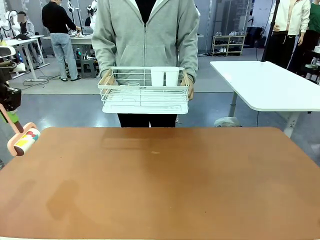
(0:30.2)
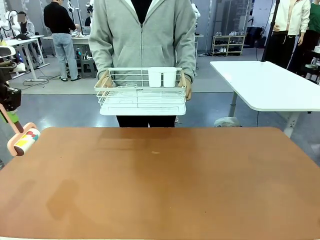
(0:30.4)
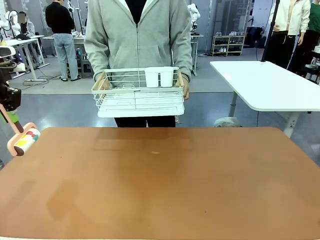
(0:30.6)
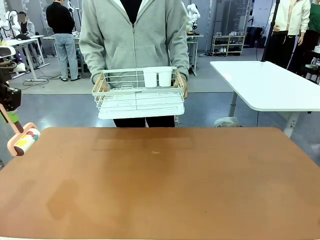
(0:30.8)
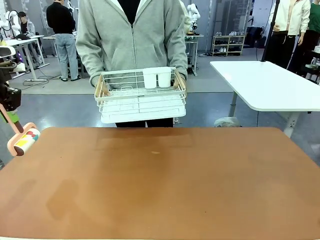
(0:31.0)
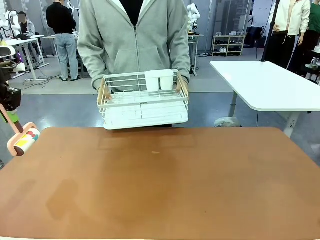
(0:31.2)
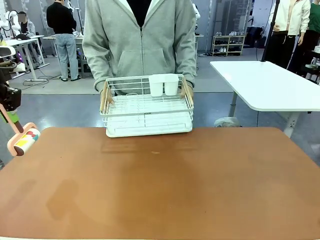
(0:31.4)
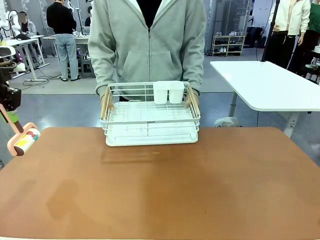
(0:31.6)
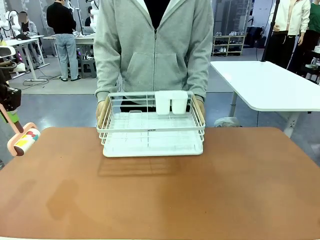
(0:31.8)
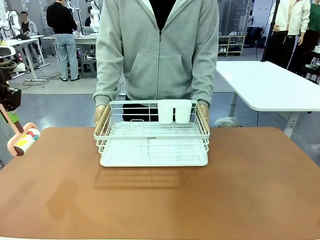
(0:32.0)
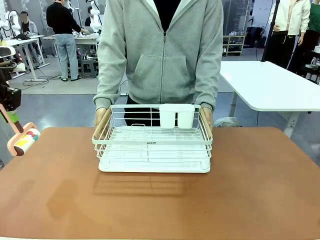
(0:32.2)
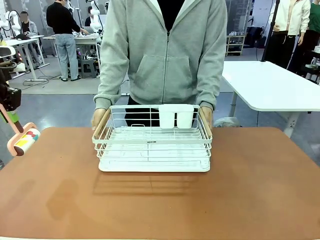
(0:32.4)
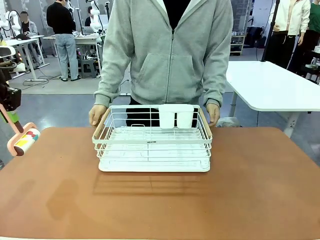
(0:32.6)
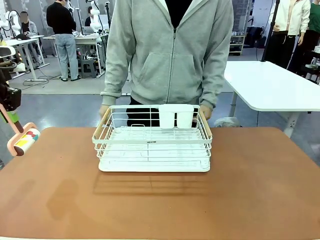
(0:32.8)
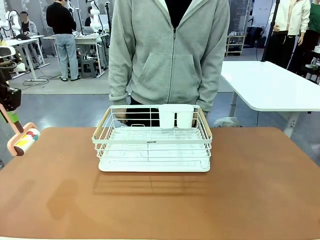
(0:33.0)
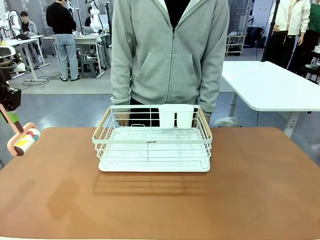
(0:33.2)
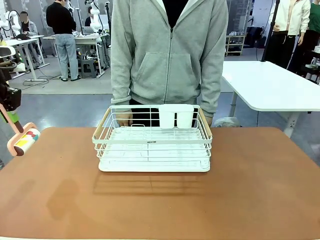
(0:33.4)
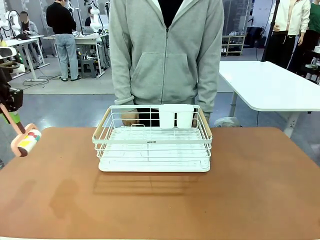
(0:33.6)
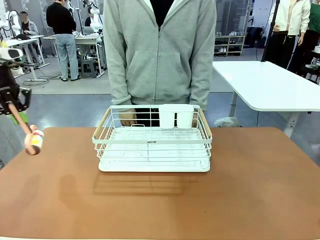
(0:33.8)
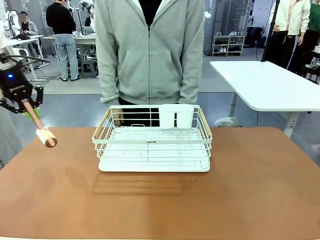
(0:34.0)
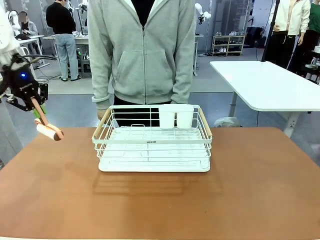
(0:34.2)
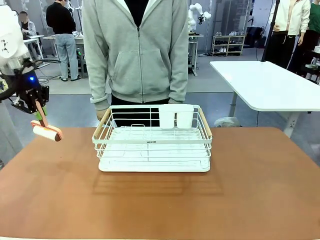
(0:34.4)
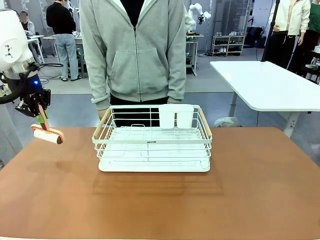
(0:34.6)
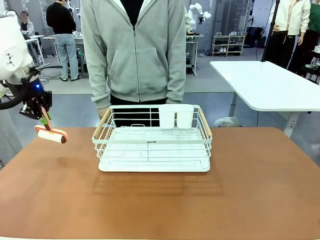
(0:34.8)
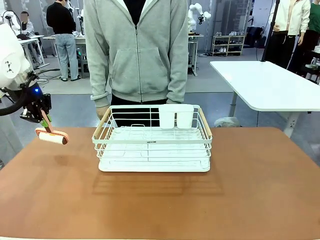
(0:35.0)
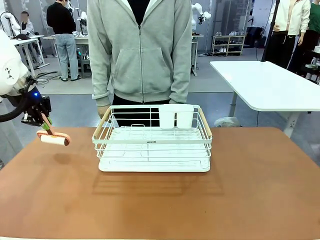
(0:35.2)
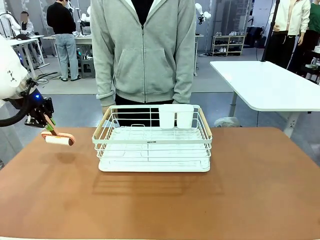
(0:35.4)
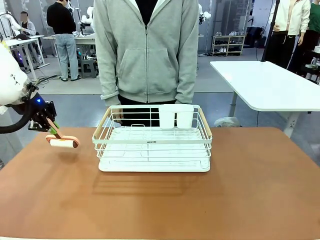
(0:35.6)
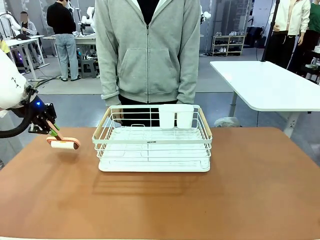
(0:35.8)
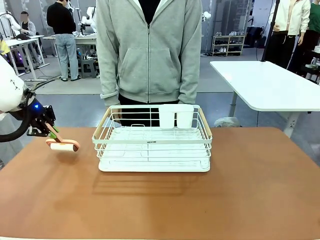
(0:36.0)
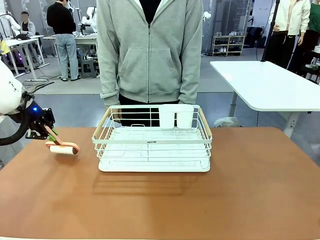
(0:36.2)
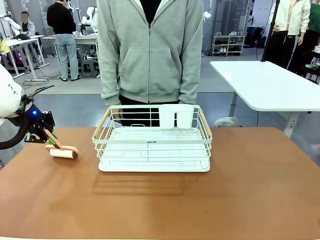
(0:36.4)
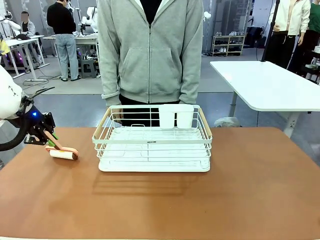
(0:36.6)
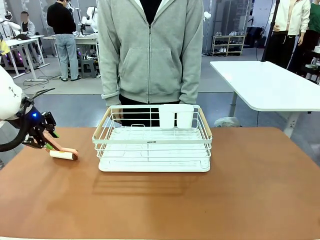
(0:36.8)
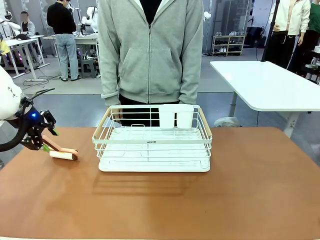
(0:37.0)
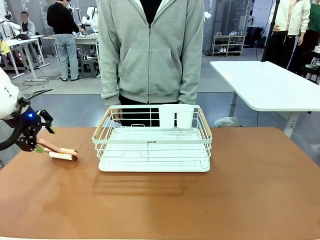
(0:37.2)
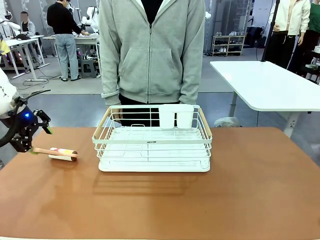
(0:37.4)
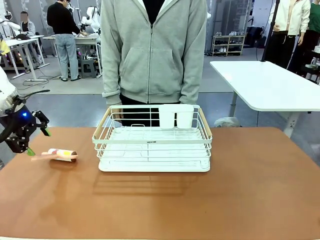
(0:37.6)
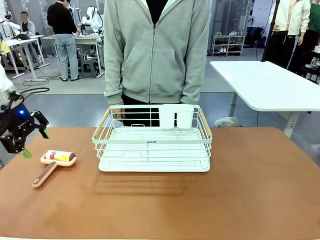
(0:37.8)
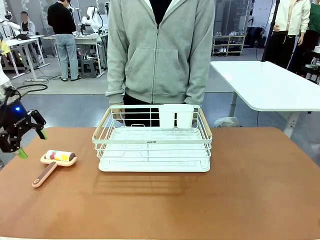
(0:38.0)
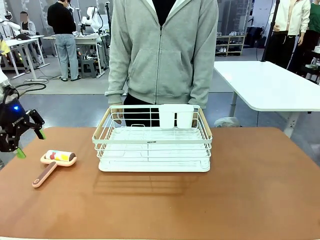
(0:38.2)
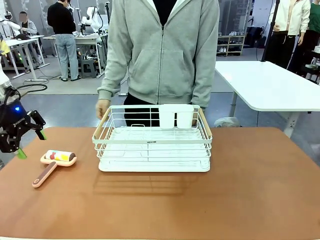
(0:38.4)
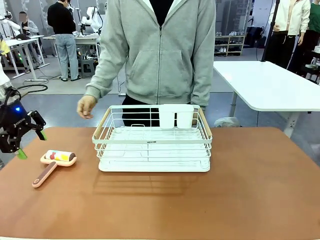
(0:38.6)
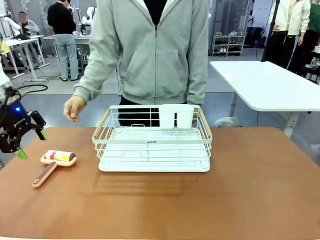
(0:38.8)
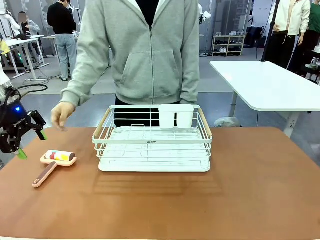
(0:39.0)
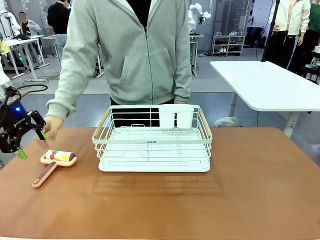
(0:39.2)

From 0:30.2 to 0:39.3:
Task: Clean the table.
Robot: Place the Lint Roller down when the Dish drying rack is positioned in the middle of the table.

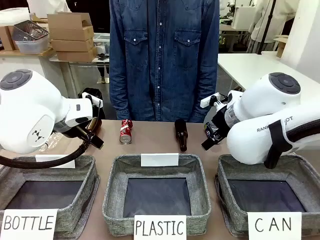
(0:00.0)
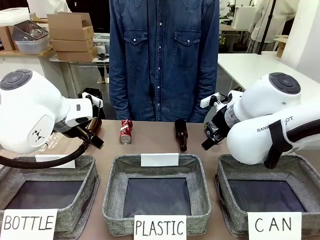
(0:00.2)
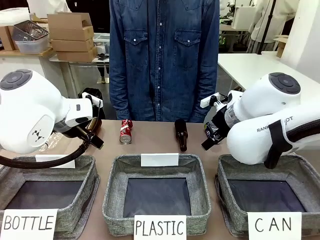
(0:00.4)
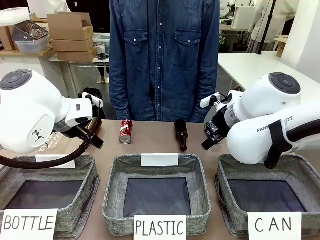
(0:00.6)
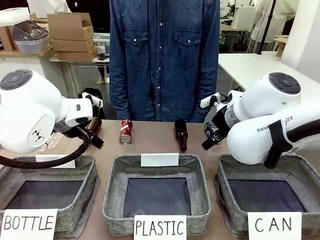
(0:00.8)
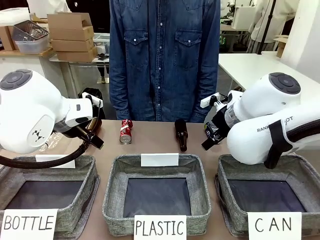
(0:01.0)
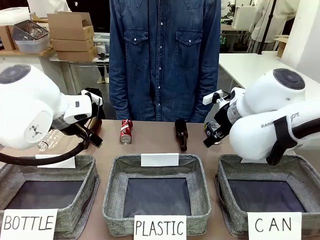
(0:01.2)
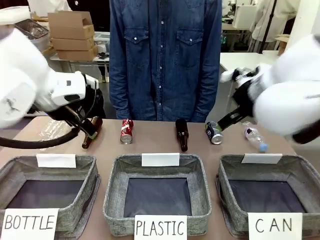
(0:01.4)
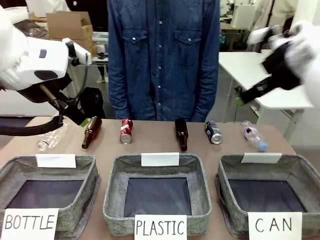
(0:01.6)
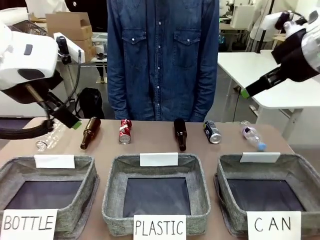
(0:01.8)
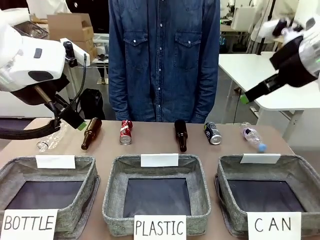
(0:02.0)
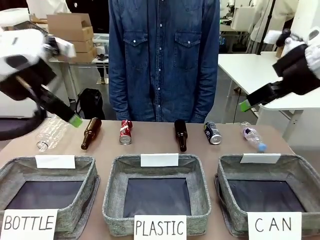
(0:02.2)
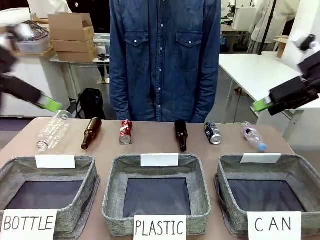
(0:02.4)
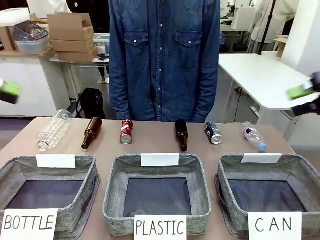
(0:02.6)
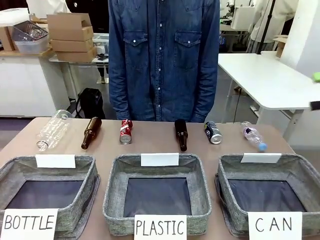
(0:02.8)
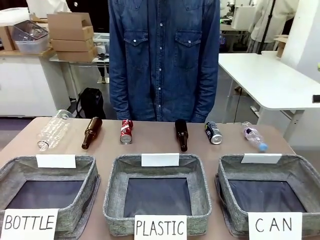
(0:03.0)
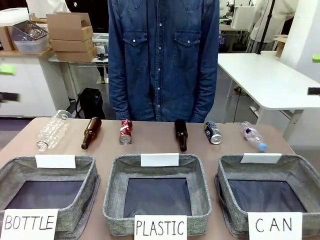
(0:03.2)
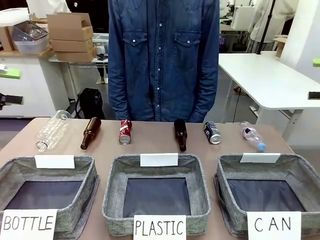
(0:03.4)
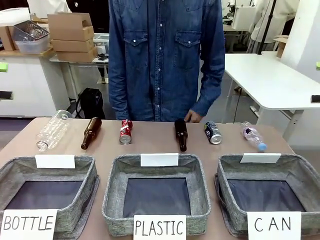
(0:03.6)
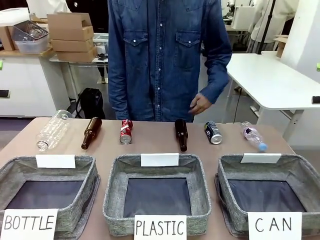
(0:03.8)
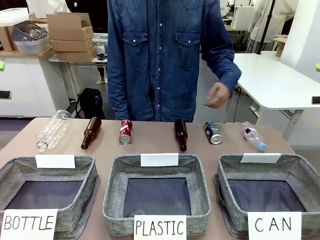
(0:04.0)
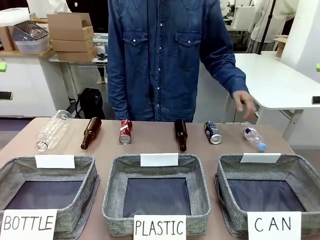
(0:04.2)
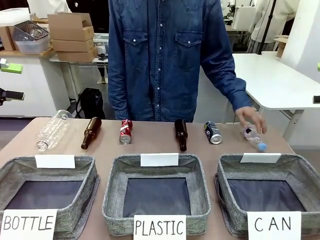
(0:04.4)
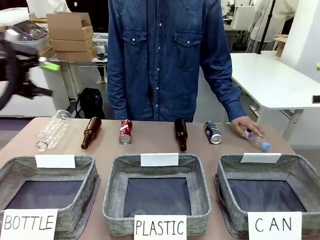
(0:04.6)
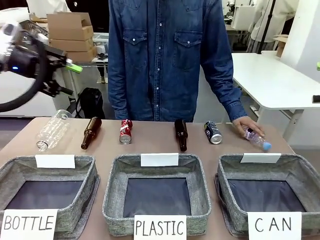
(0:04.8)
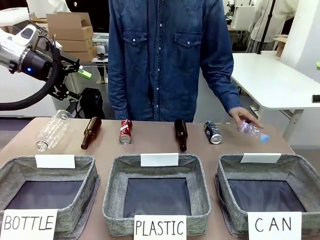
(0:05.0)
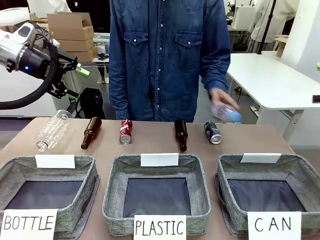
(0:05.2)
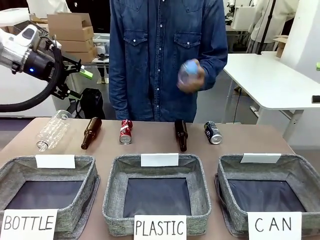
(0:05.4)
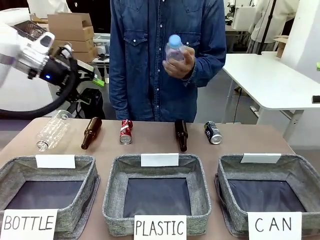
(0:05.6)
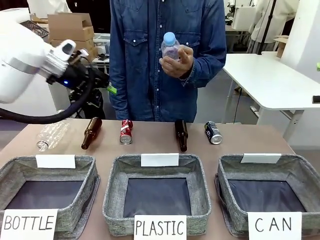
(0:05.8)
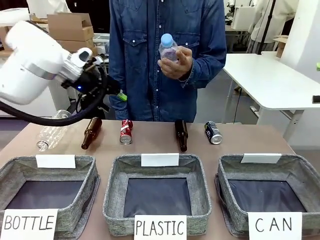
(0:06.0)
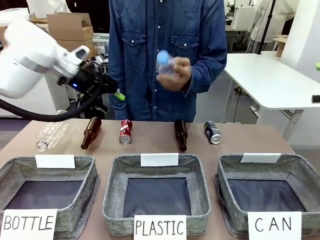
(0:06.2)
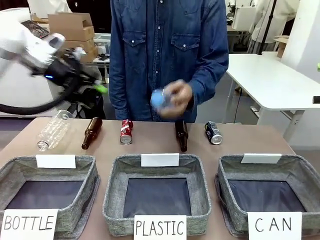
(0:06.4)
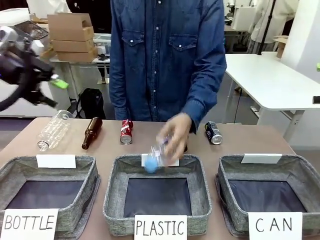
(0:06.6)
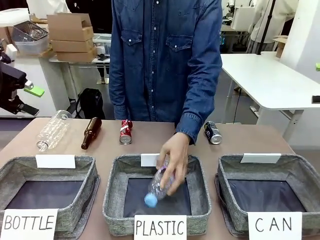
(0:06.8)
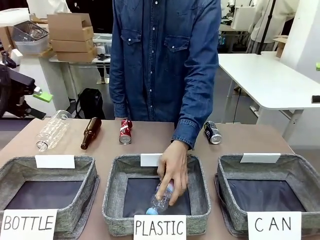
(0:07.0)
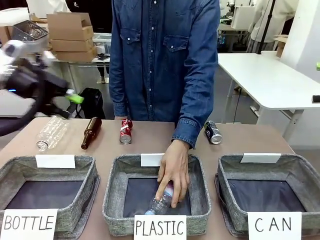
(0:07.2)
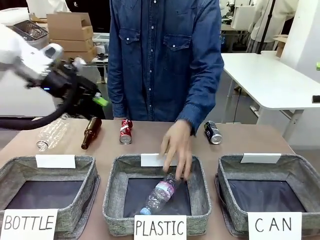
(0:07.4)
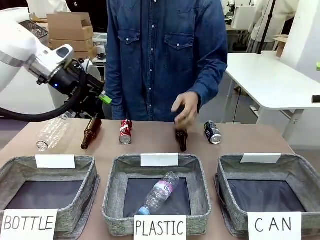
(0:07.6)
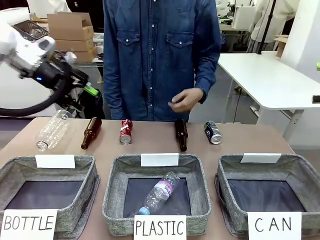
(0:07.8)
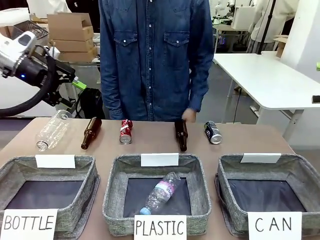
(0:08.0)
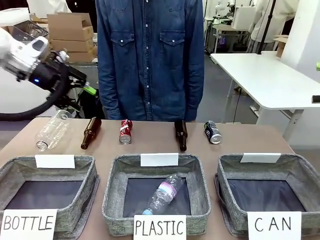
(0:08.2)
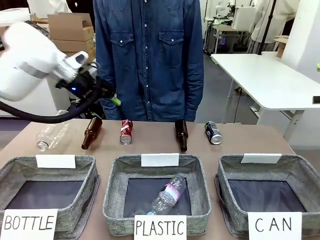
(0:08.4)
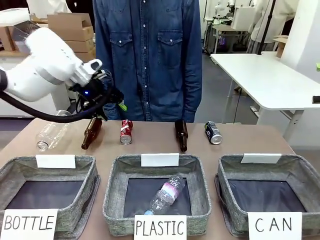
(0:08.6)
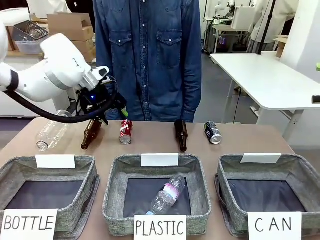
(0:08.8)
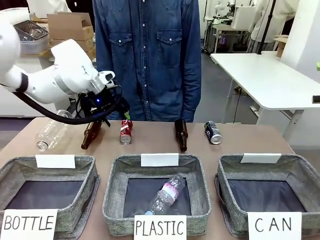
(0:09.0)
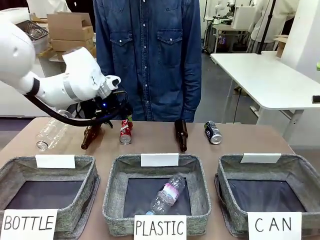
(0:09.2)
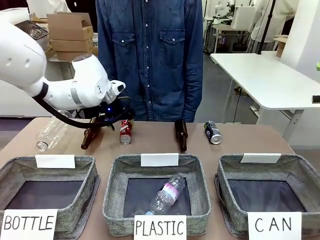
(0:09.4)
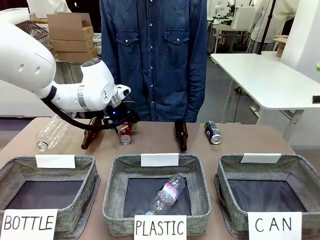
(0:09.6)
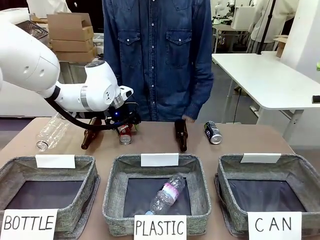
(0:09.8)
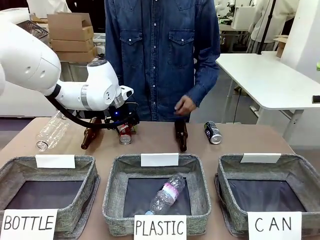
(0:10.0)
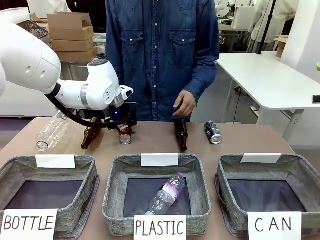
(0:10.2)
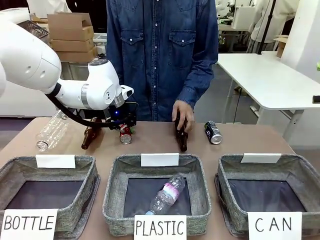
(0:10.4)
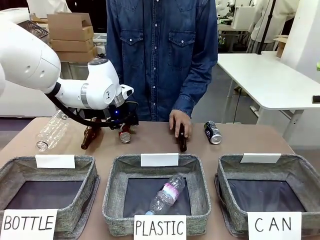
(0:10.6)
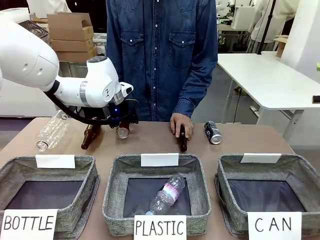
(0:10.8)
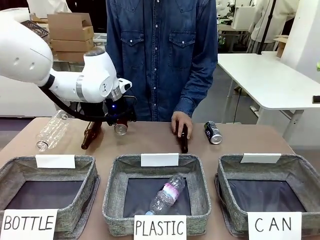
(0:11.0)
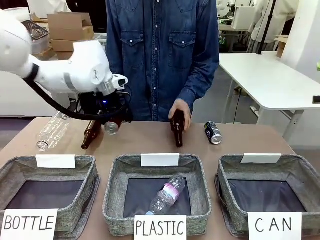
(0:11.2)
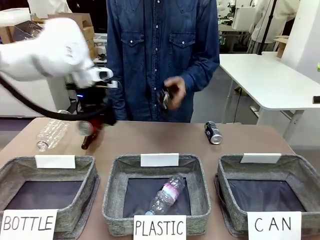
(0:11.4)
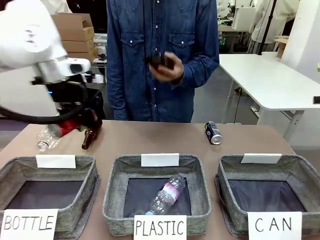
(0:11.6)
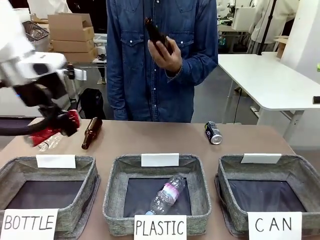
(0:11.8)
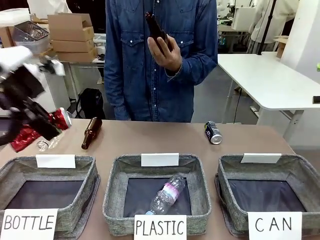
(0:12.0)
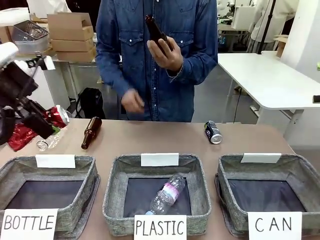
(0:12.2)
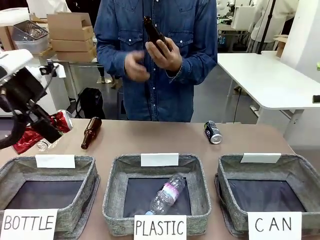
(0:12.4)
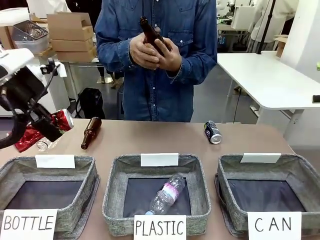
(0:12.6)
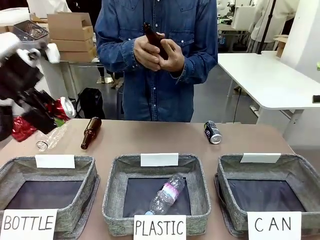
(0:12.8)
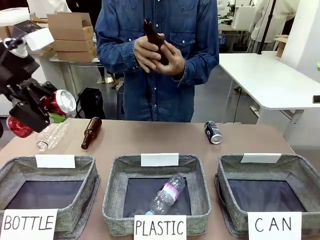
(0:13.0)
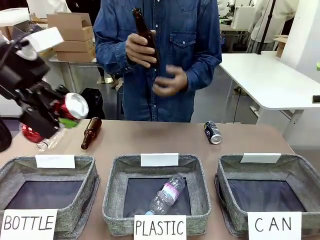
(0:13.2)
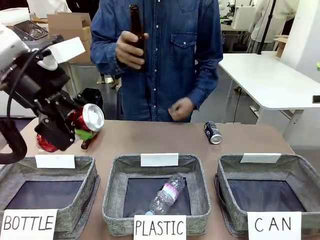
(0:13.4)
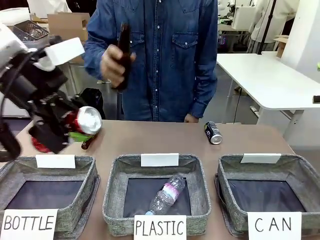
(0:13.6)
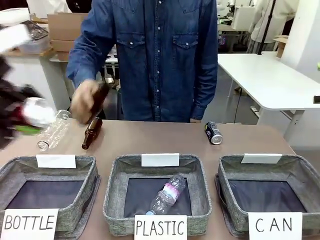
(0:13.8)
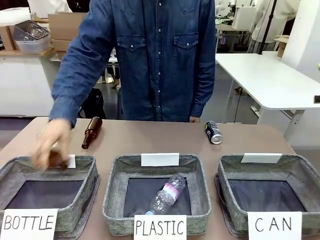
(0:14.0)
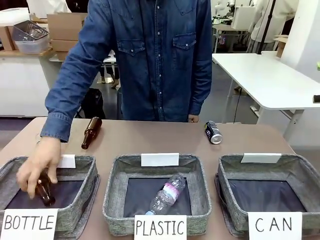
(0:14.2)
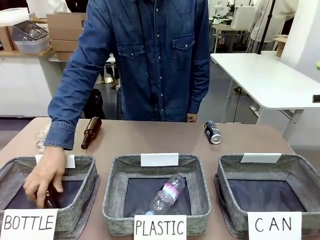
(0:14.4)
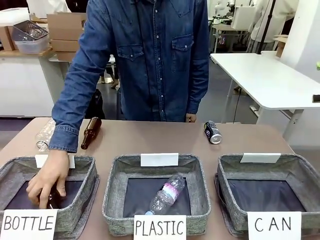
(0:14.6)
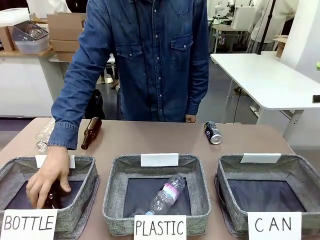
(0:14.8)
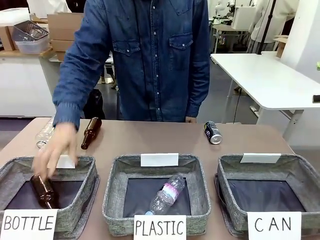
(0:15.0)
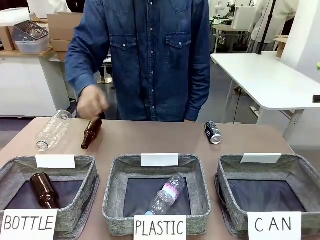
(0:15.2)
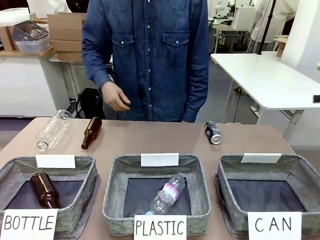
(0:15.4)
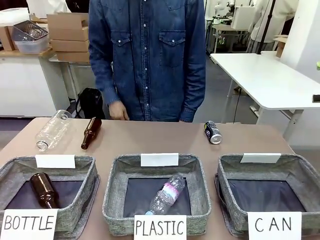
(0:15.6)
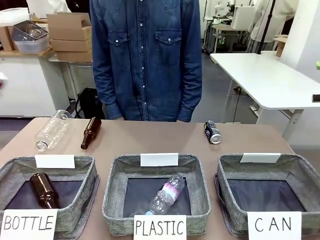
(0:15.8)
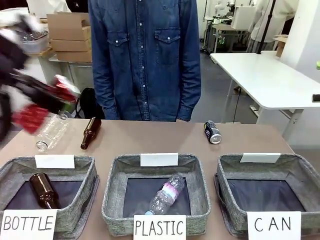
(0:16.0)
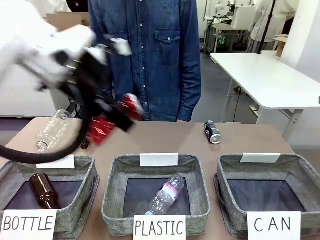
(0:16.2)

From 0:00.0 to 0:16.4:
Task: Sort the can waste into the basket.
Robot: Pick up the can waste from the table and place it in the right Fabric basket.
